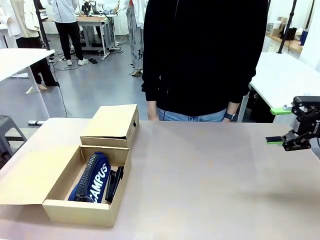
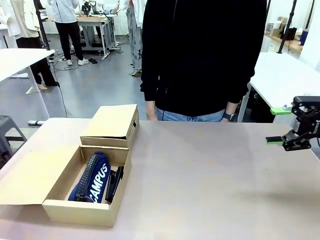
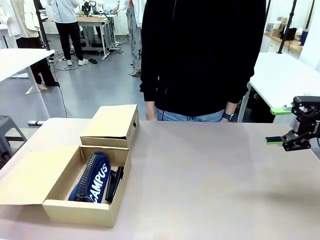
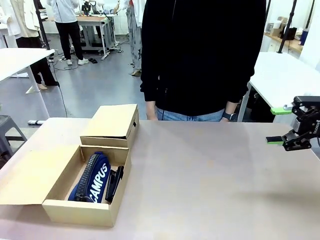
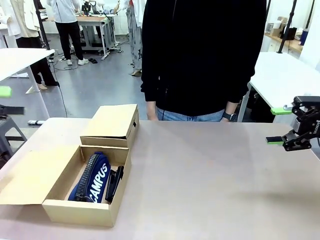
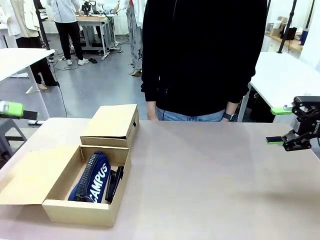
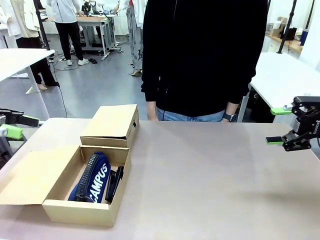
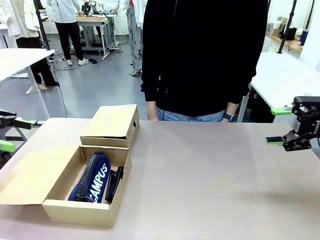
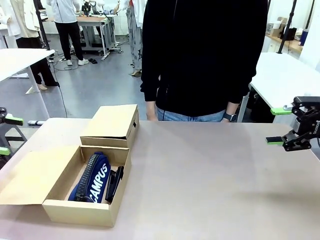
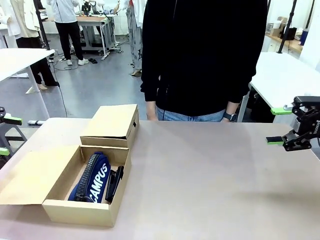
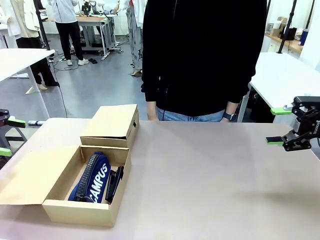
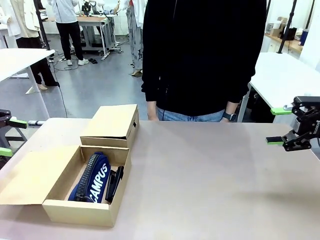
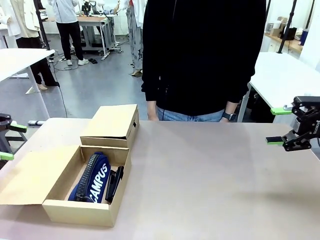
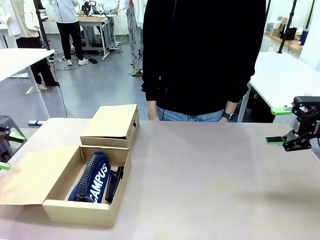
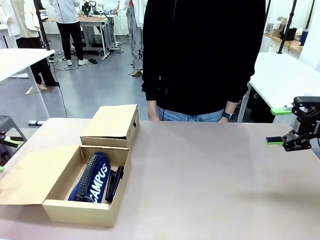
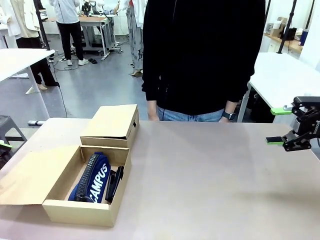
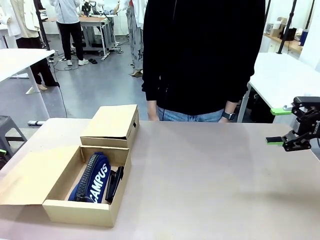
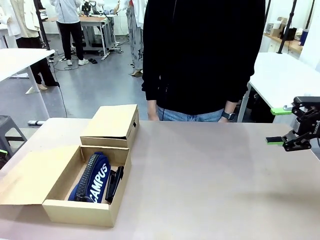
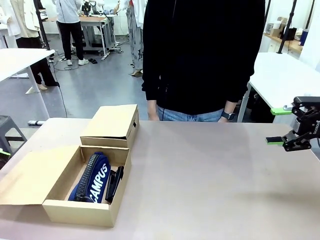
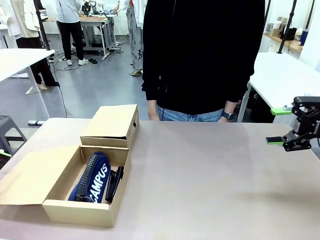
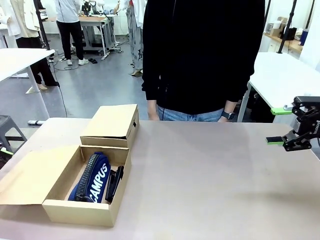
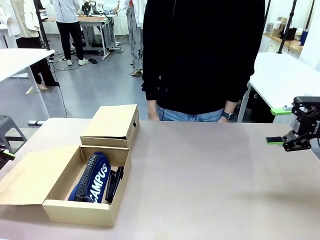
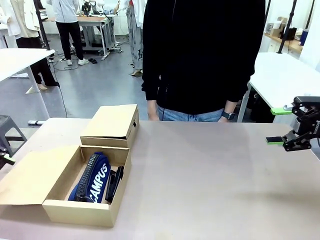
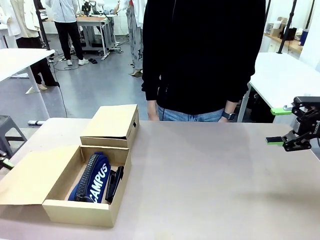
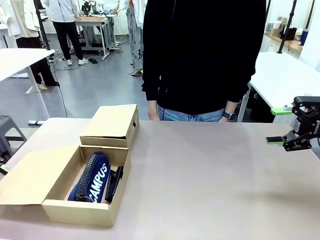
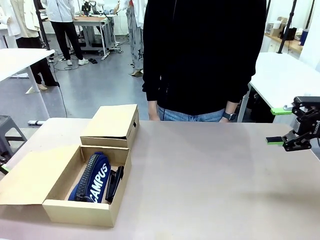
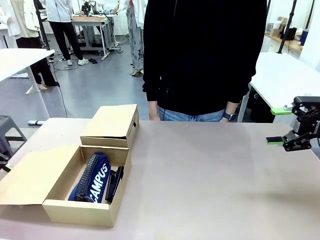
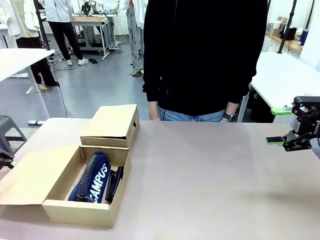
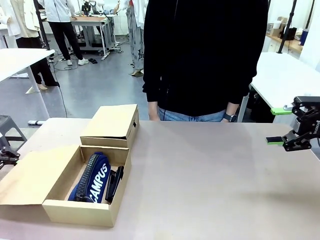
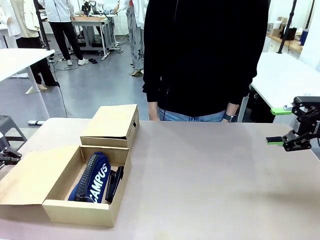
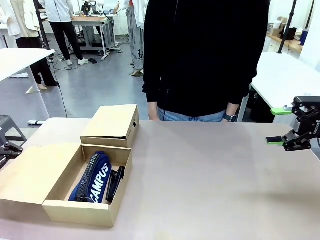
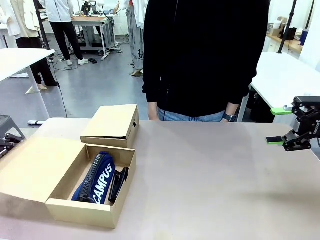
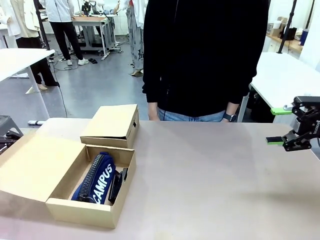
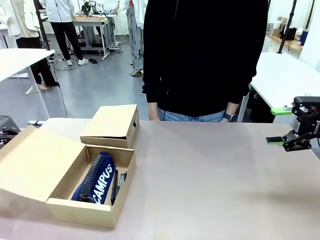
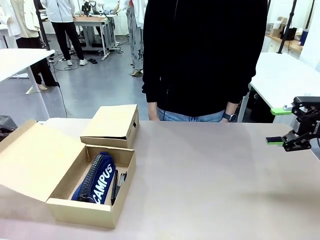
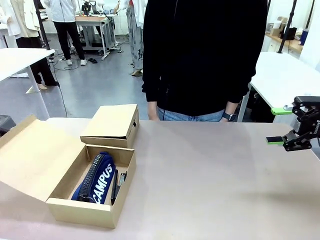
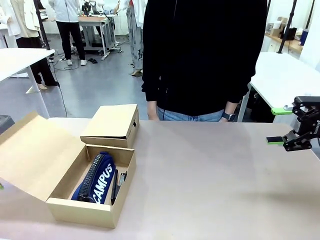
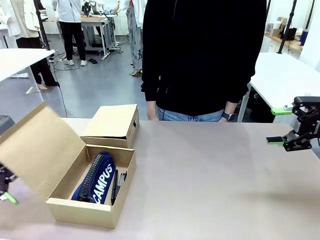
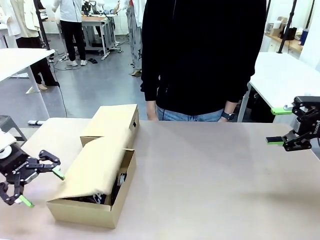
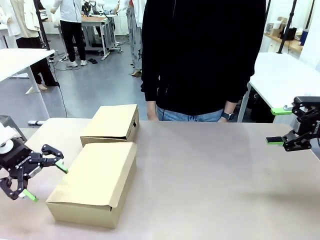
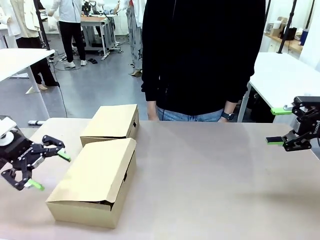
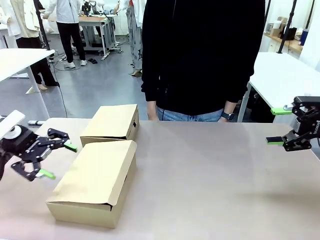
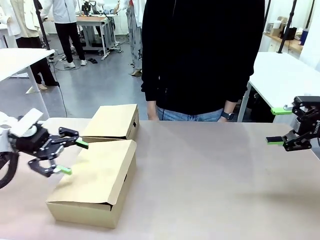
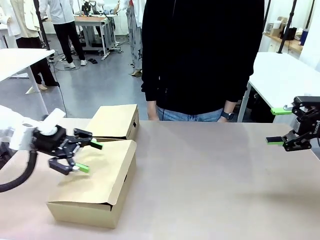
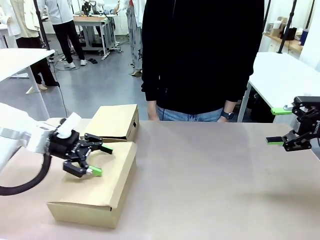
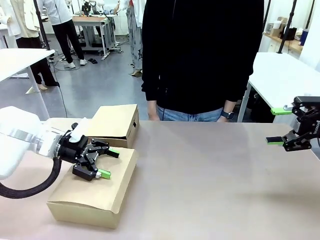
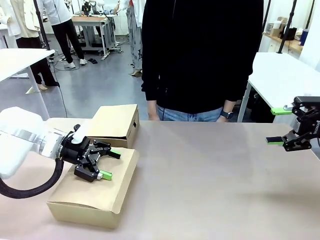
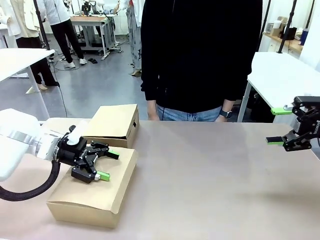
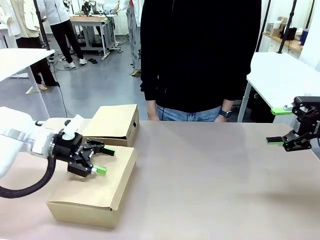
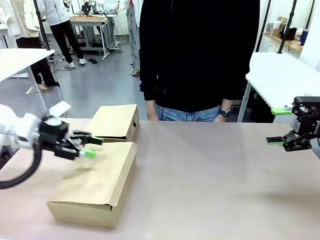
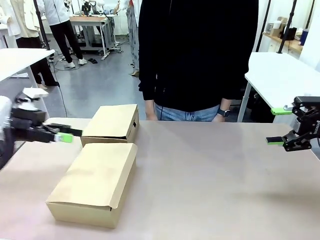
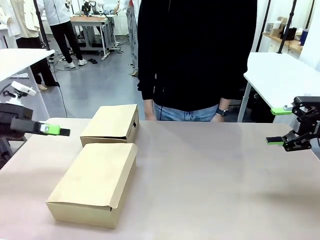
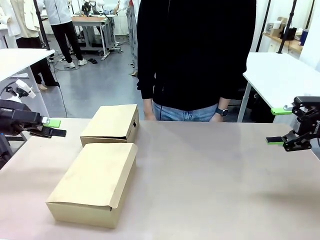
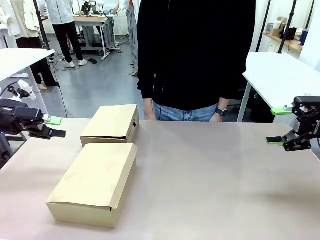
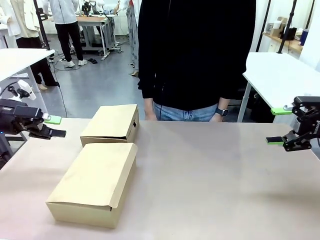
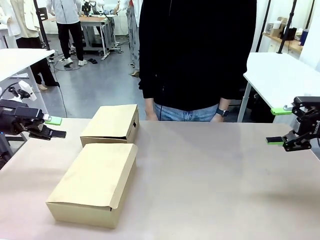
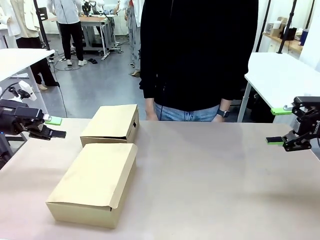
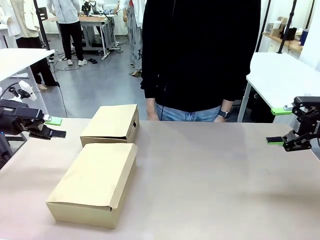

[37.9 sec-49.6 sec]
Task: Place items inside the box.
Robot: Close the lid of the Mailer Box closest to the robot.
Person: Close the lid of the box facing the person.

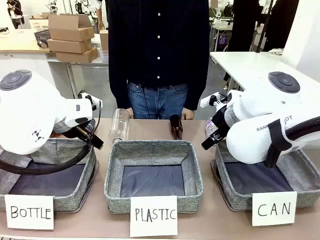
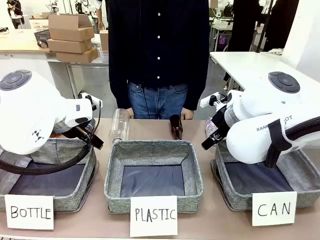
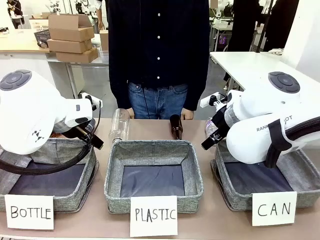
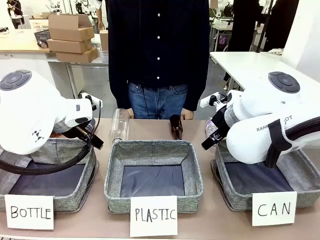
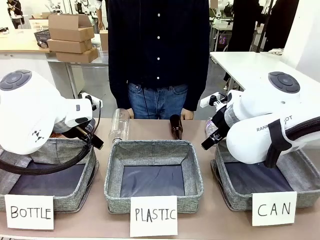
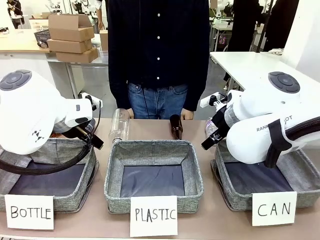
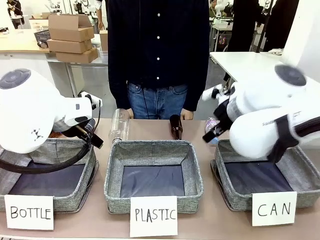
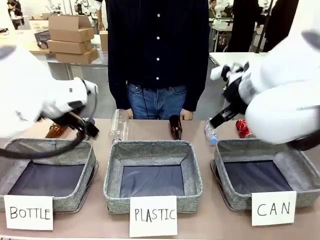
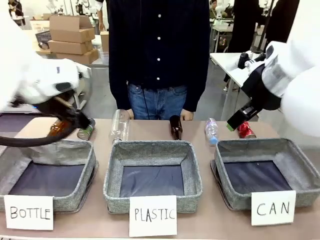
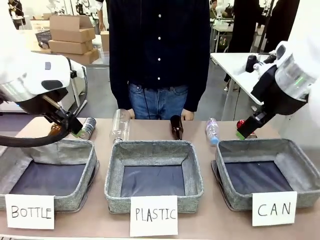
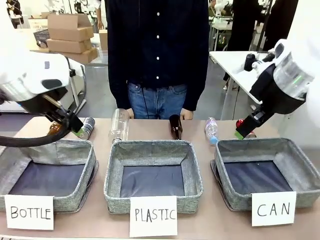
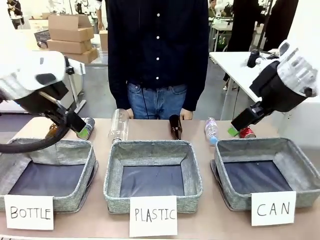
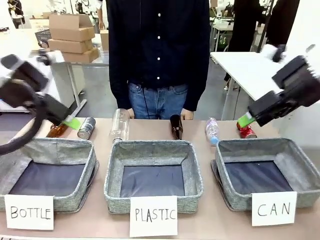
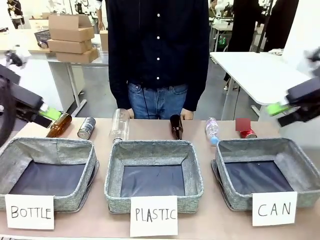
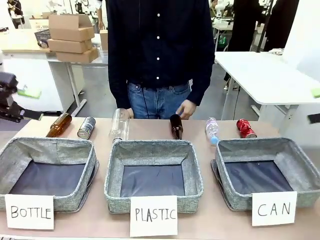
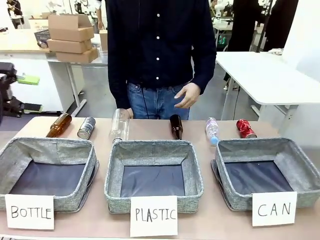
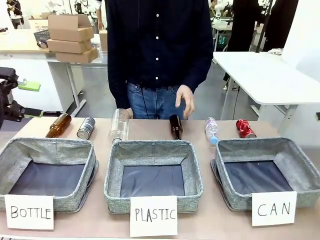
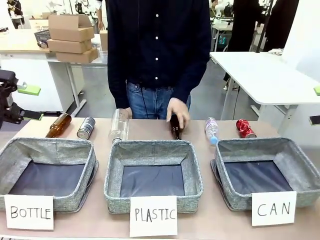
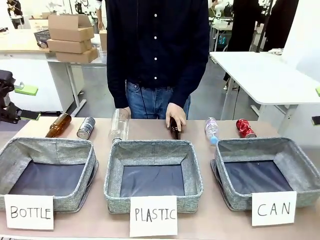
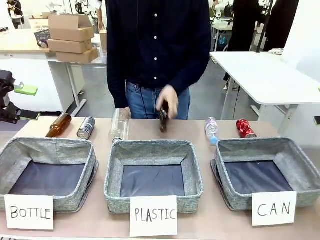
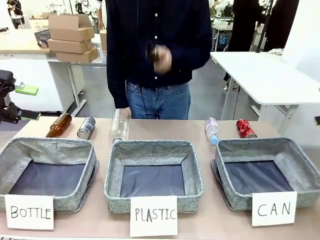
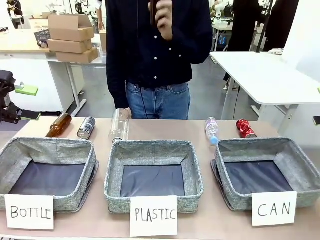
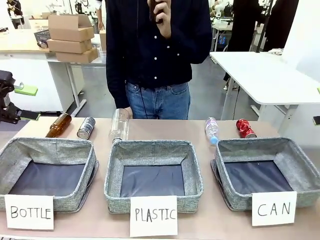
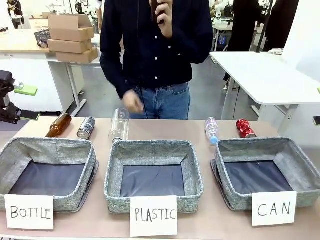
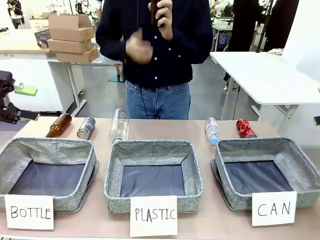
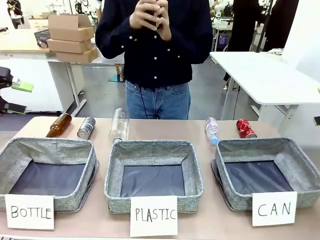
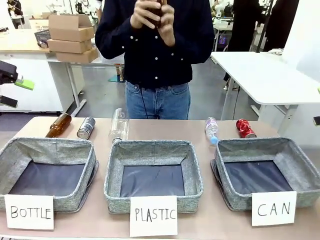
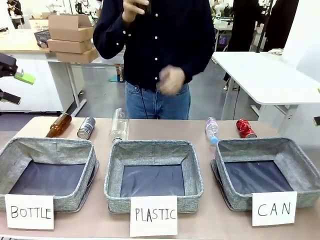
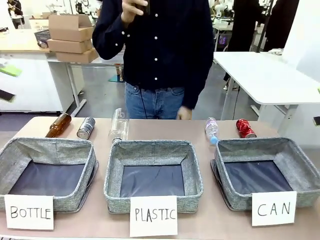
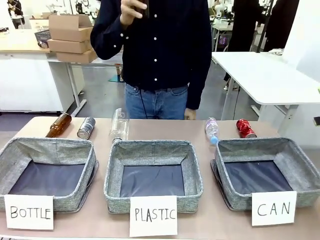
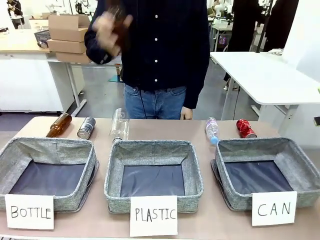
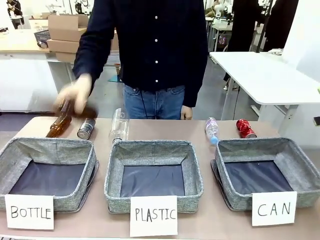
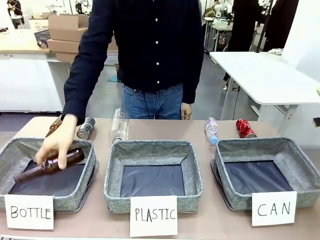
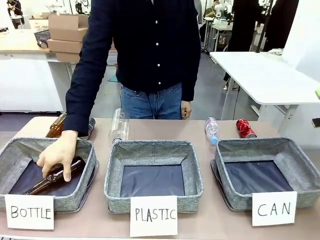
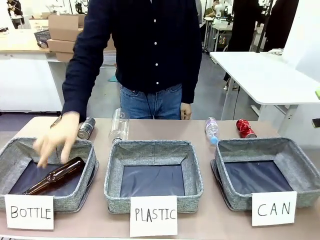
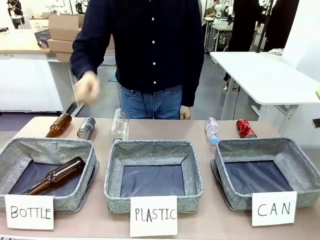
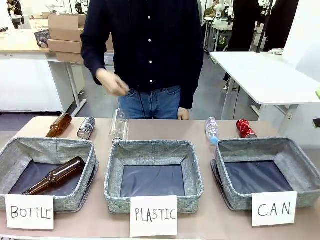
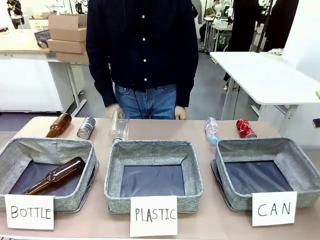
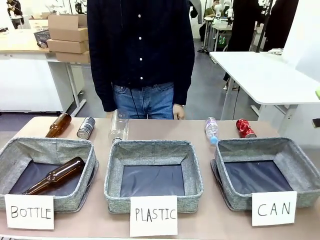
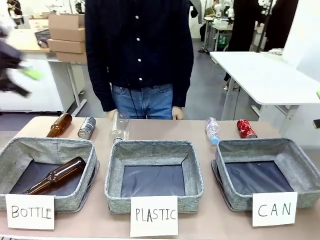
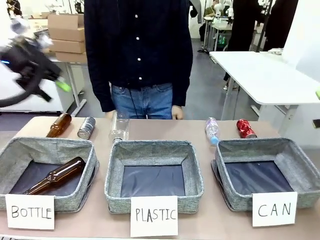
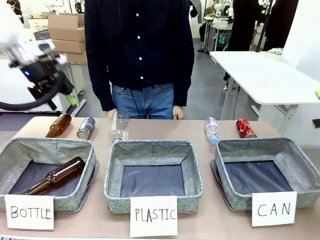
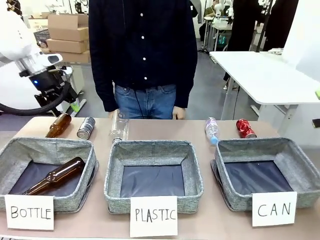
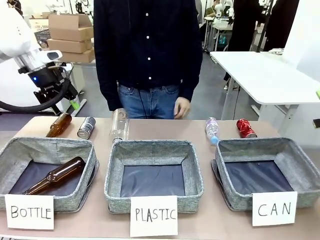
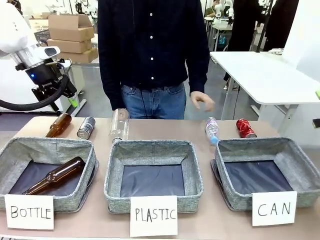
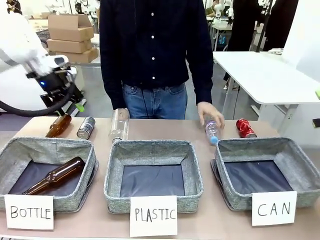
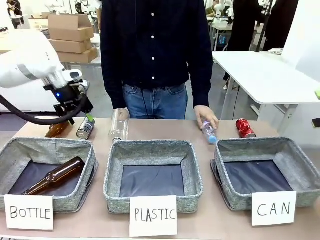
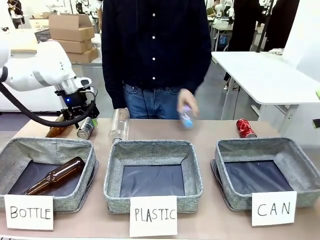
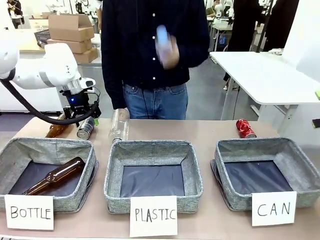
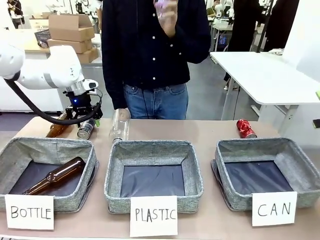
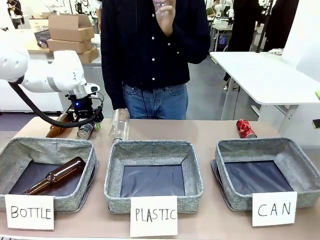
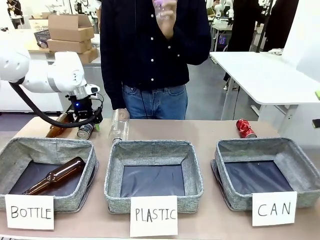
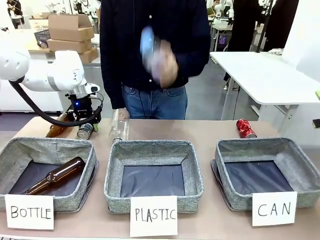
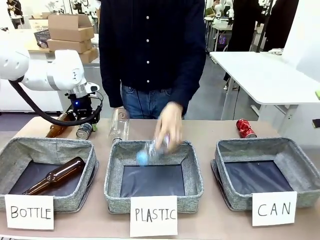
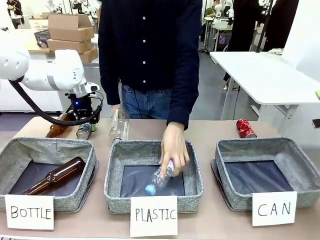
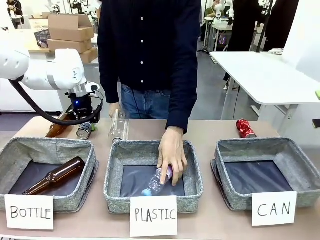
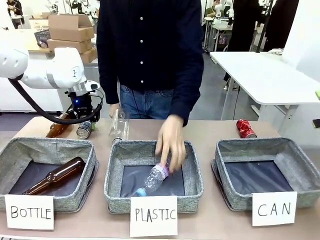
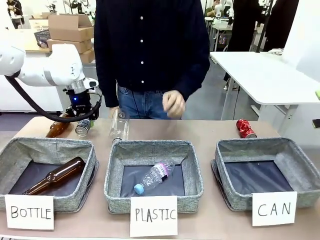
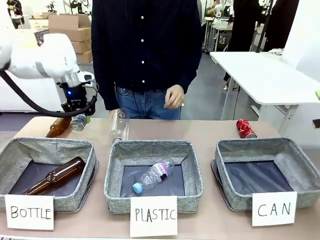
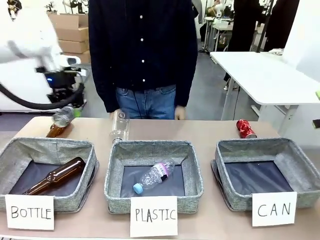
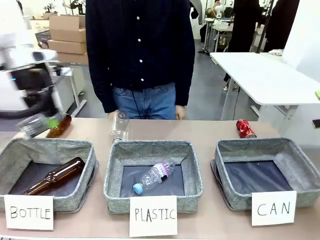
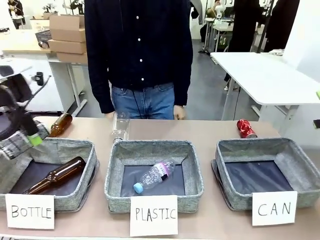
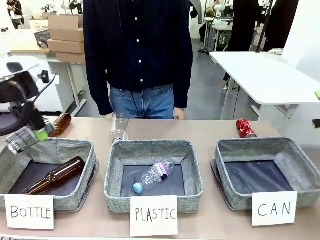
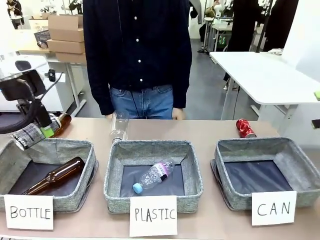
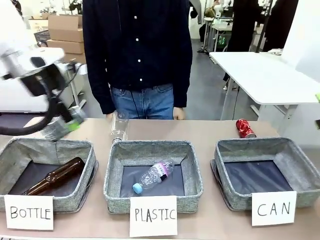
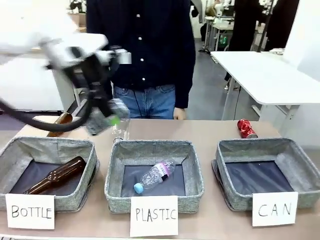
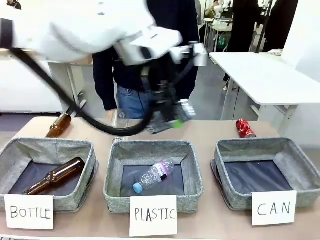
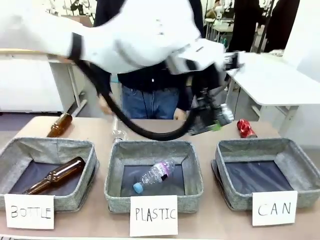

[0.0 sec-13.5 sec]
Task: Sort the can waste into the basket.
Robot: Pick up the can waste from the table and place it in the right Fabric basket.
